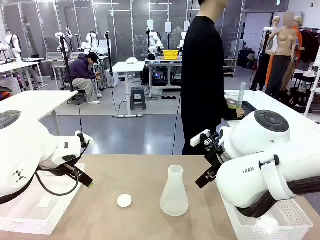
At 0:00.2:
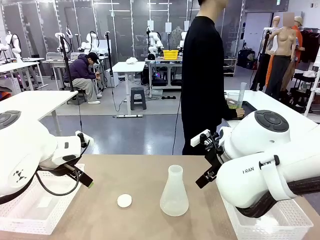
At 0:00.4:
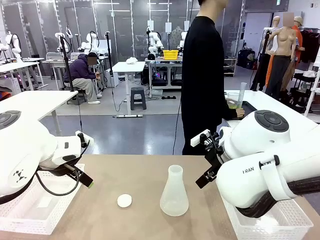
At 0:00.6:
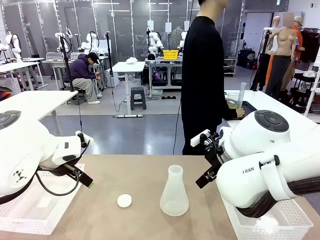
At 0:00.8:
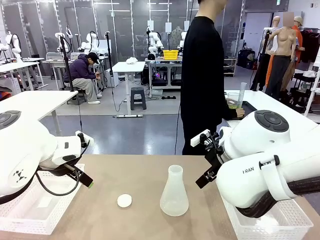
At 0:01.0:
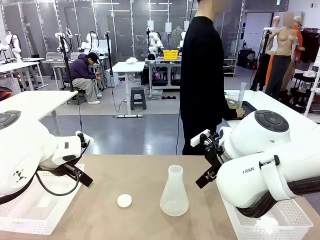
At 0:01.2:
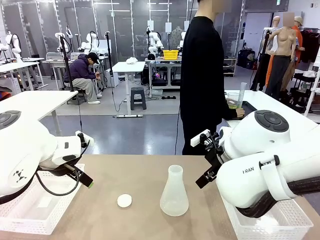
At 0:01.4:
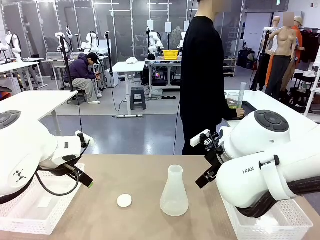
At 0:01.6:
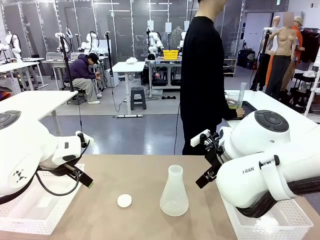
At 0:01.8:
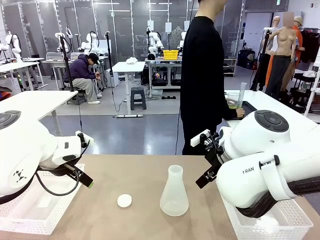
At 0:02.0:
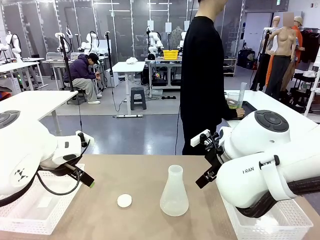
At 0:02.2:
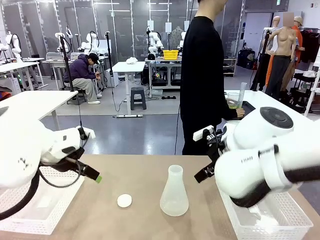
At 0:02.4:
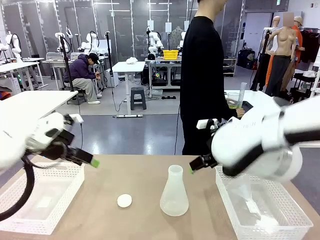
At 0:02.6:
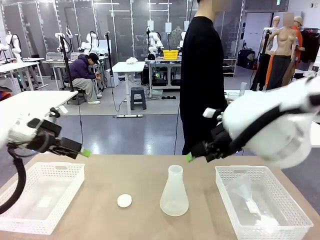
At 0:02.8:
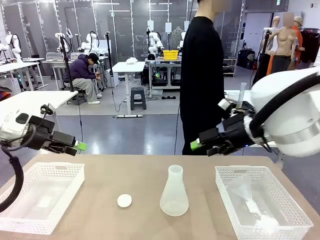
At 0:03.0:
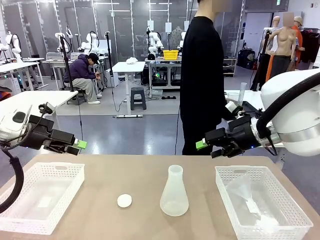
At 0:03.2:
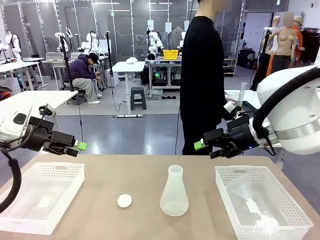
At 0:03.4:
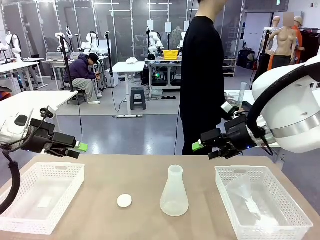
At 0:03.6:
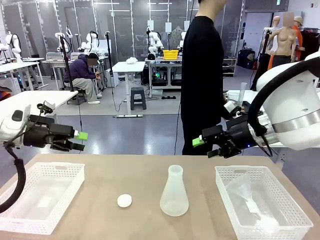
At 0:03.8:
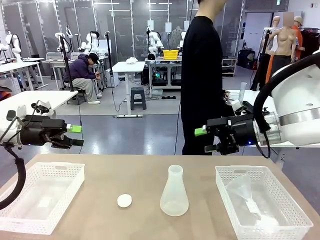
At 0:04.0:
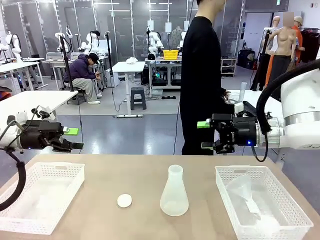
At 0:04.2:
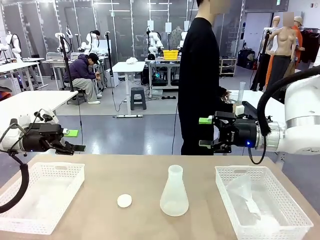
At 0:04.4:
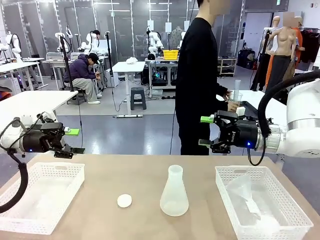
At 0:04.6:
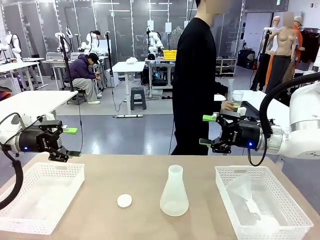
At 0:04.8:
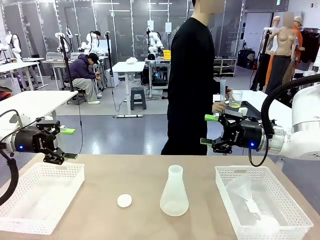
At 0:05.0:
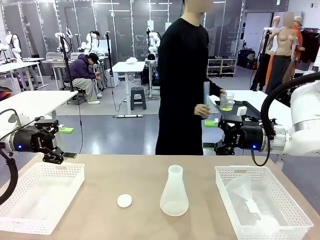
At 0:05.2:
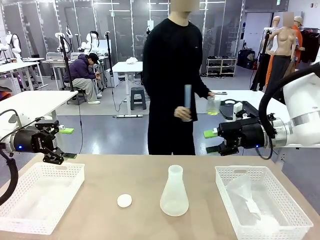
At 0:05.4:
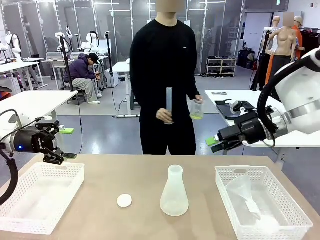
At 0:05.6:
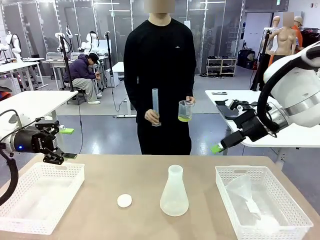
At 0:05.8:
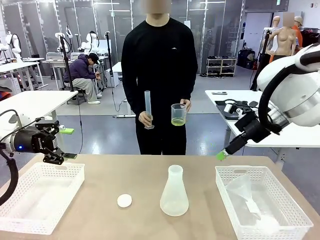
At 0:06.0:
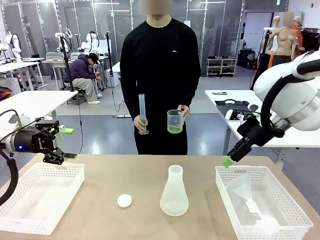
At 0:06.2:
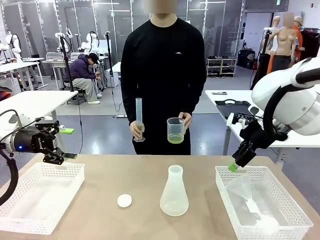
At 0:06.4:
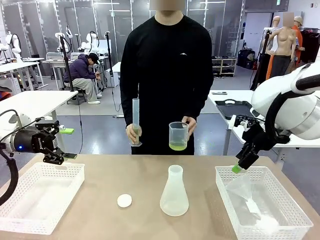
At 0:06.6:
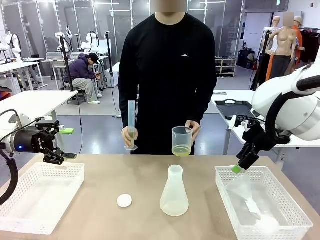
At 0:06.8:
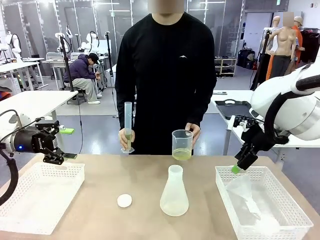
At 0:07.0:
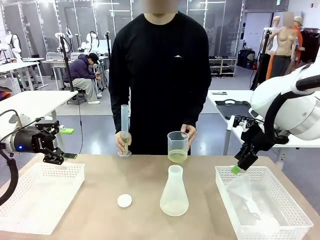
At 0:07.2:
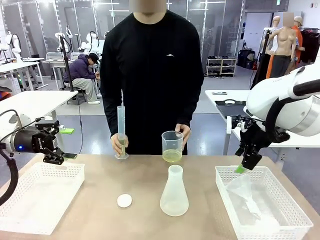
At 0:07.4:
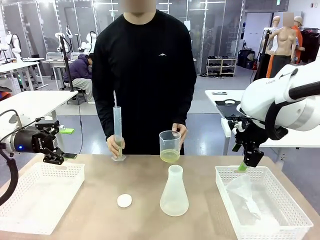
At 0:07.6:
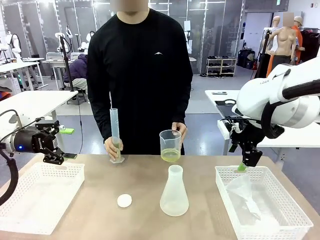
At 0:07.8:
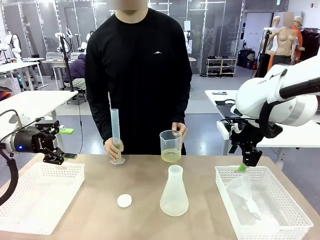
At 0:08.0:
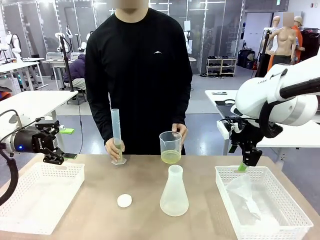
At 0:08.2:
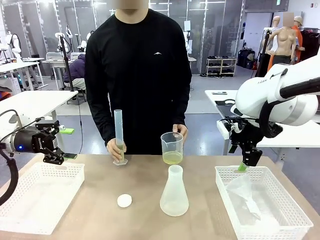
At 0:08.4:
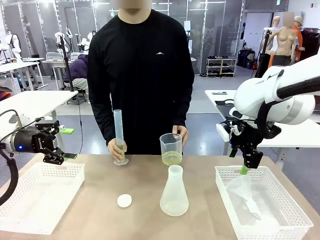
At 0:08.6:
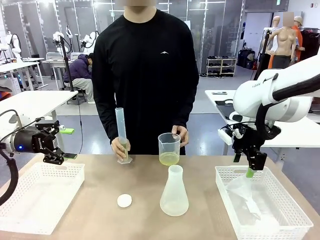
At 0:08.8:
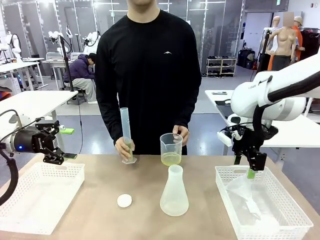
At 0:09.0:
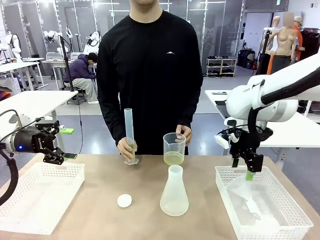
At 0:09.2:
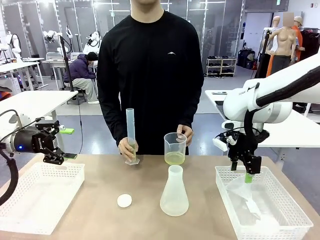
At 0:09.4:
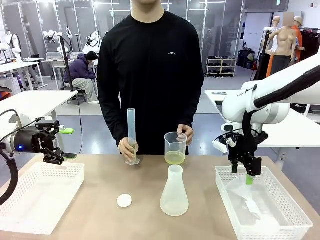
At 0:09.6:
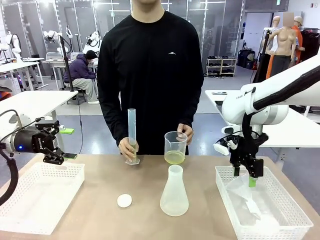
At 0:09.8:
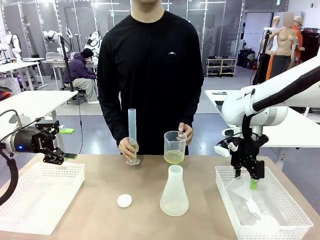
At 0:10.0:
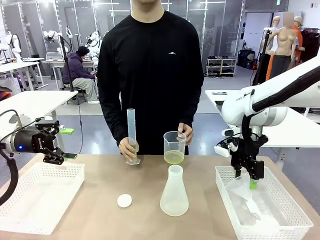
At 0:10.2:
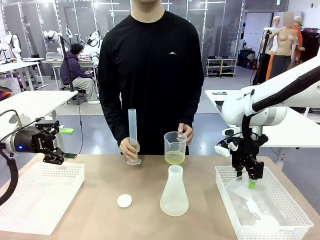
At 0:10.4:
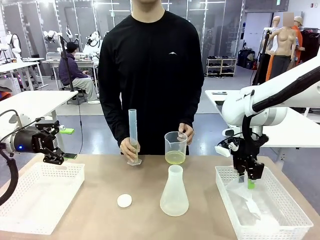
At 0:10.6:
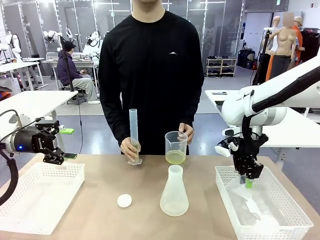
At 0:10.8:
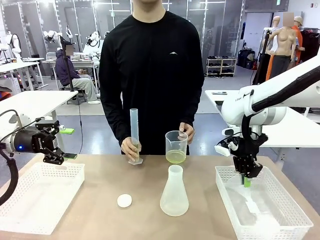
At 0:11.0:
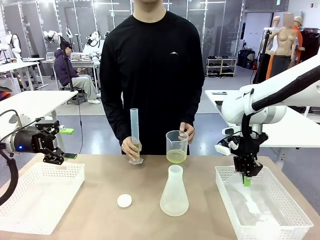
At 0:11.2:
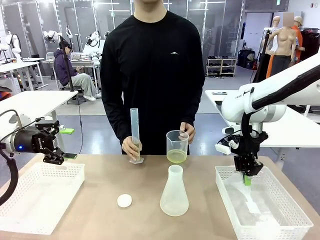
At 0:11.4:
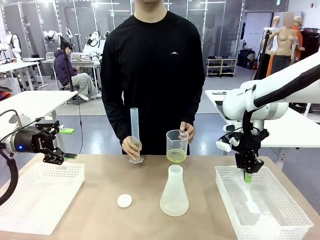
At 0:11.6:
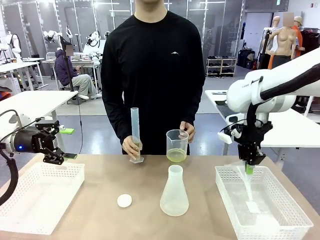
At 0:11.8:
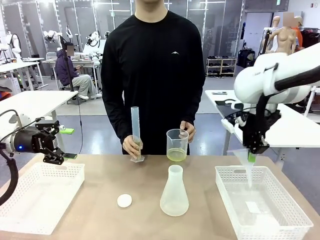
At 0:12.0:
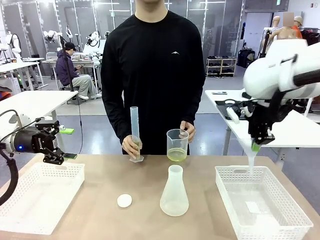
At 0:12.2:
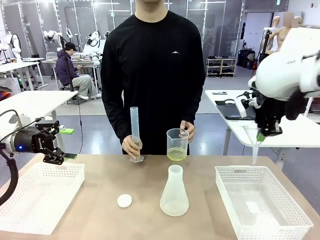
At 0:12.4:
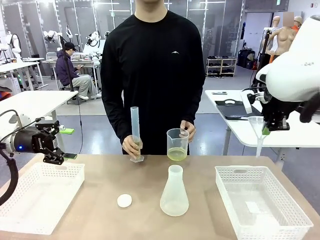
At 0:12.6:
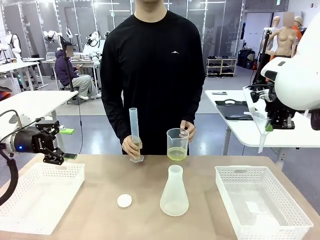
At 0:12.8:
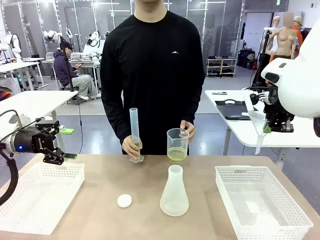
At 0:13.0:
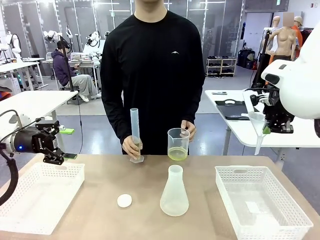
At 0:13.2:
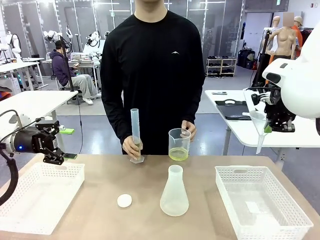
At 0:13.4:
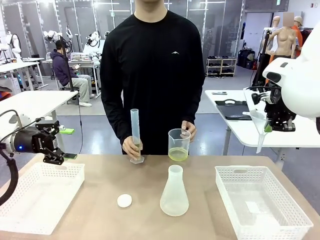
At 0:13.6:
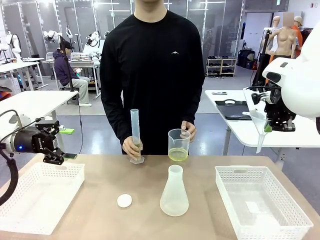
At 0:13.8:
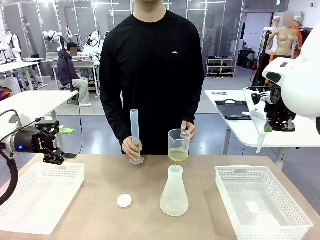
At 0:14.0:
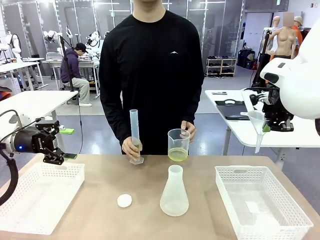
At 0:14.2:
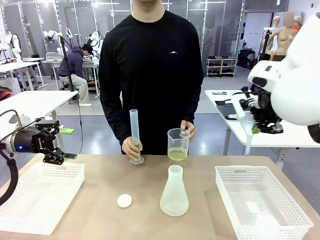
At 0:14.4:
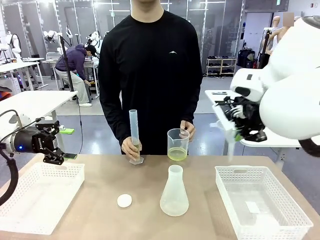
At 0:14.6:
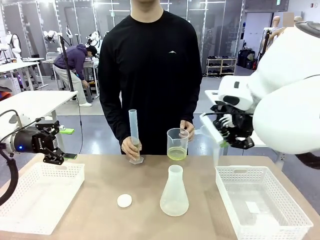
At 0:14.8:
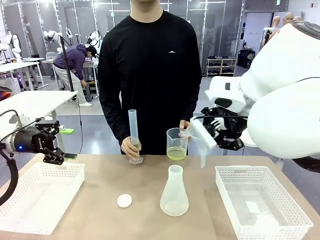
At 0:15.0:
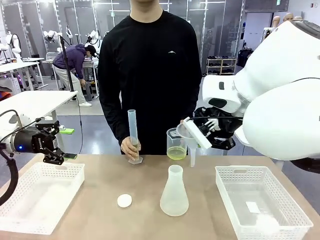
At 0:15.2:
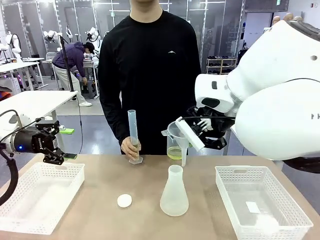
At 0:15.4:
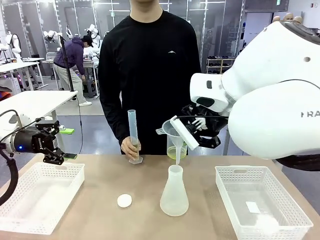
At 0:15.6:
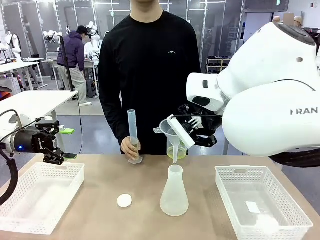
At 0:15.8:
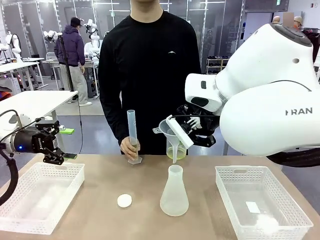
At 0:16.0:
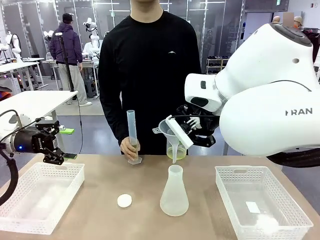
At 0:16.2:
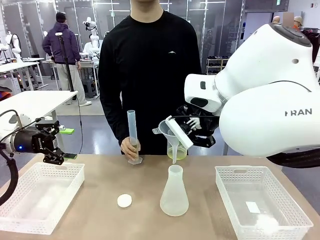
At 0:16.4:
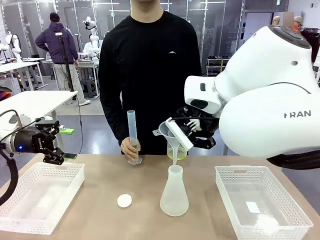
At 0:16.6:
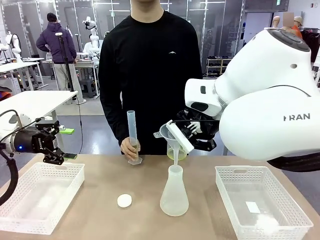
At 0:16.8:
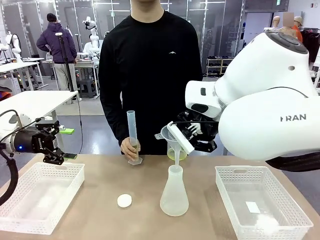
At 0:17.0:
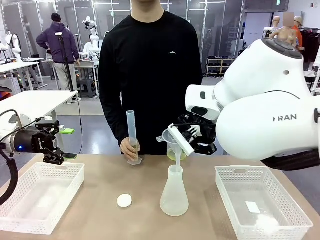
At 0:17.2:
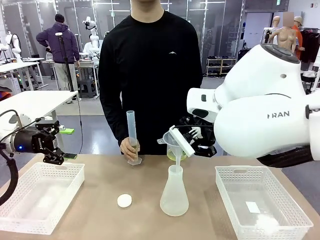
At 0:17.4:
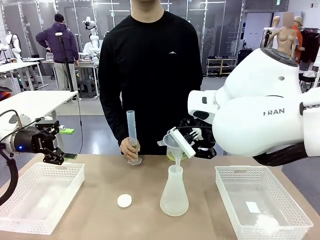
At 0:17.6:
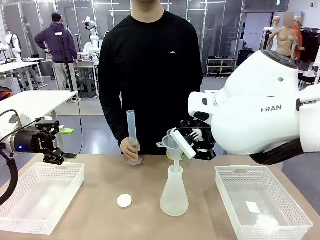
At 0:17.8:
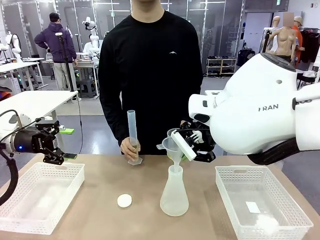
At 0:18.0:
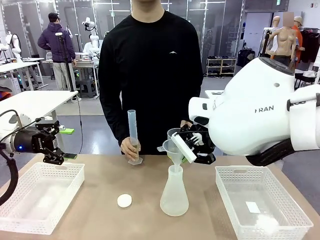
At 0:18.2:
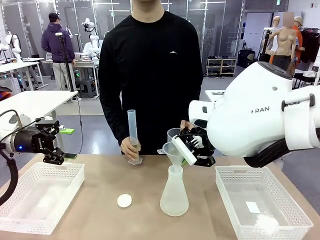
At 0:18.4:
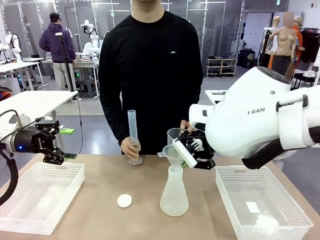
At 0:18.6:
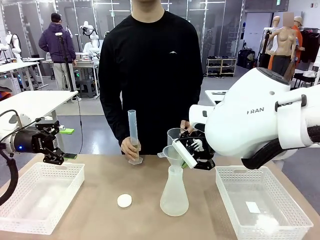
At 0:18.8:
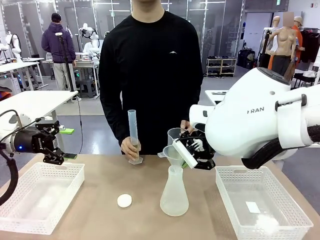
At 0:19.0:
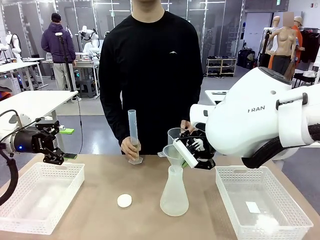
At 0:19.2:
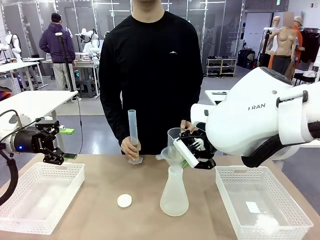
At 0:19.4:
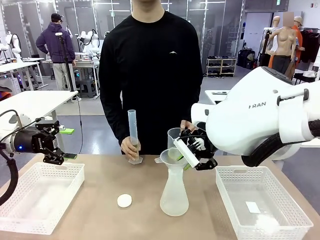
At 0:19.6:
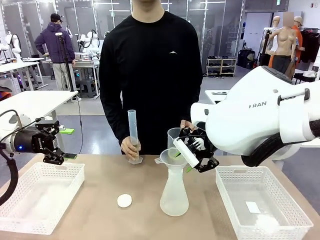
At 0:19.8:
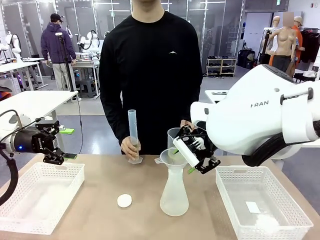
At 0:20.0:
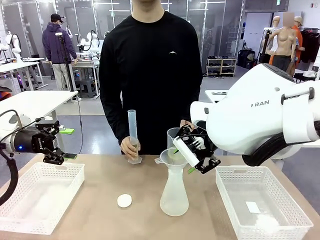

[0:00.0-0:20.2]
Task: Prepare the solutions needed for the experiment.
Robot: Pick up the Plastic Funnel and insert it into the Big flask.
Person: Pick up the beaker and the cylinder and move to the middle of the robot table. Pour the solution from the beaker and the cylinder into the flask.
